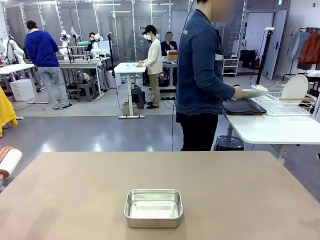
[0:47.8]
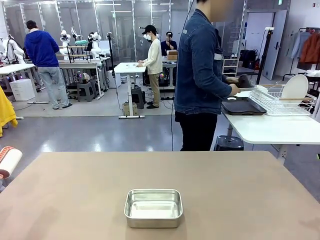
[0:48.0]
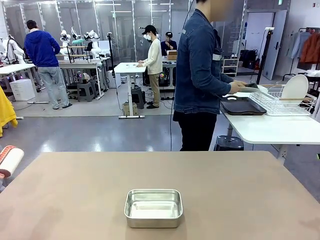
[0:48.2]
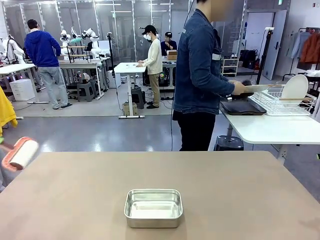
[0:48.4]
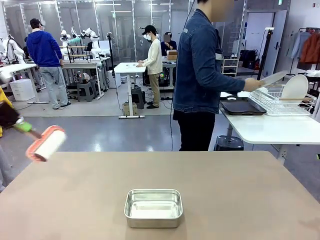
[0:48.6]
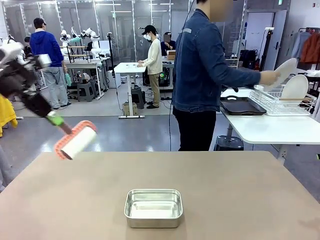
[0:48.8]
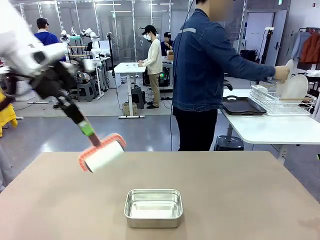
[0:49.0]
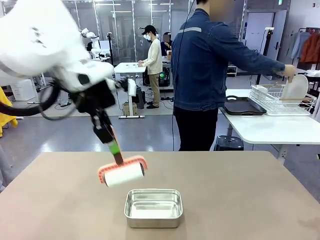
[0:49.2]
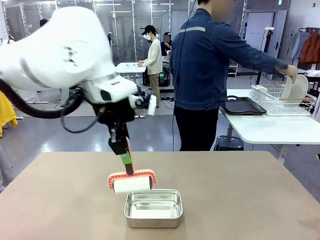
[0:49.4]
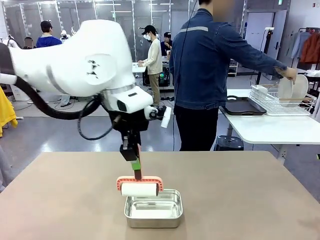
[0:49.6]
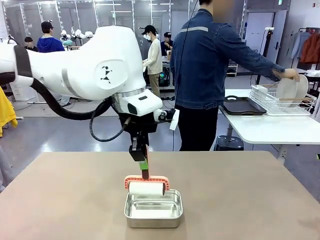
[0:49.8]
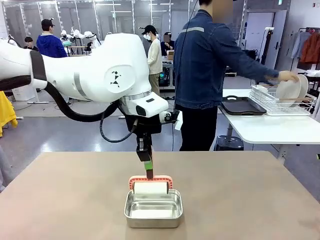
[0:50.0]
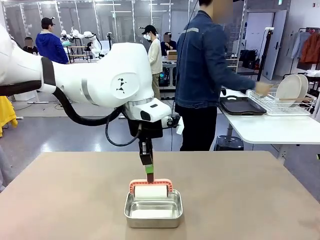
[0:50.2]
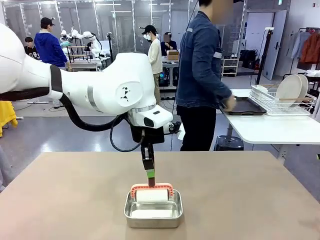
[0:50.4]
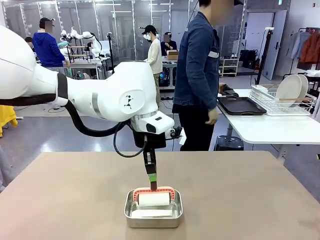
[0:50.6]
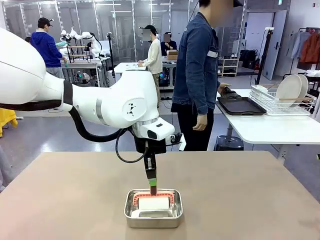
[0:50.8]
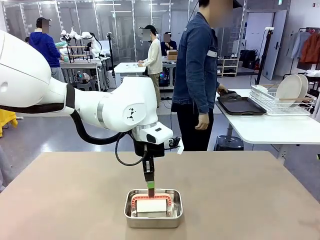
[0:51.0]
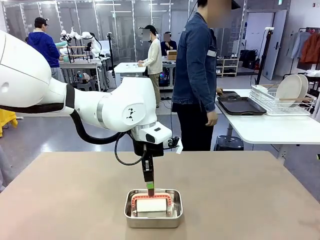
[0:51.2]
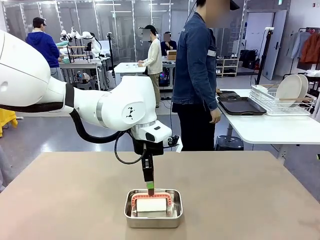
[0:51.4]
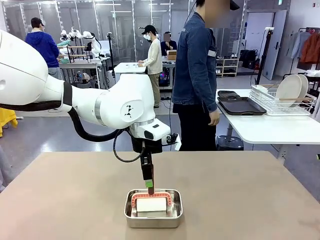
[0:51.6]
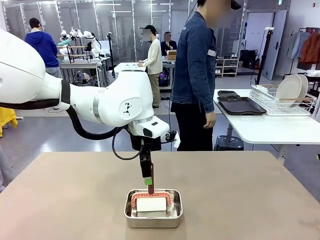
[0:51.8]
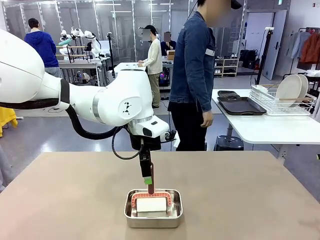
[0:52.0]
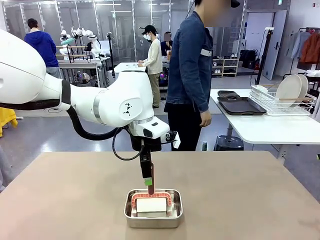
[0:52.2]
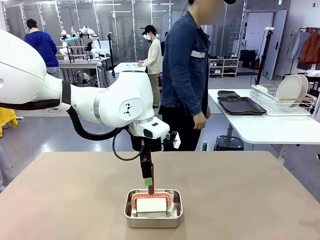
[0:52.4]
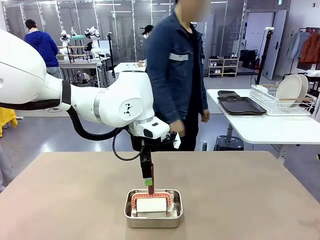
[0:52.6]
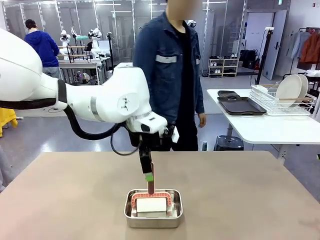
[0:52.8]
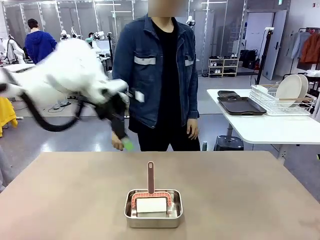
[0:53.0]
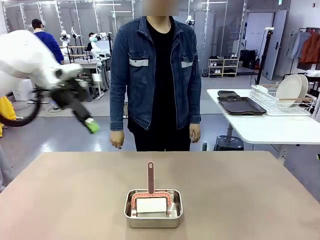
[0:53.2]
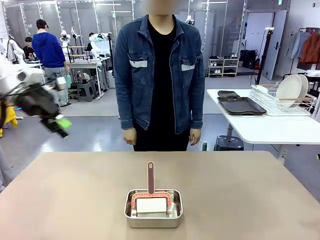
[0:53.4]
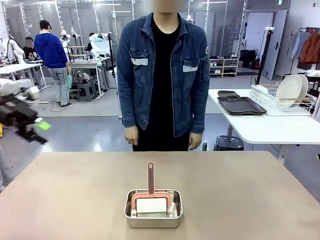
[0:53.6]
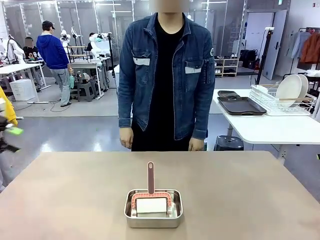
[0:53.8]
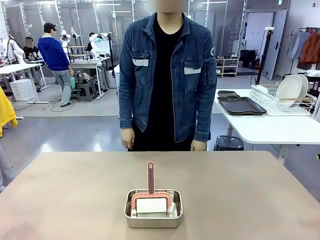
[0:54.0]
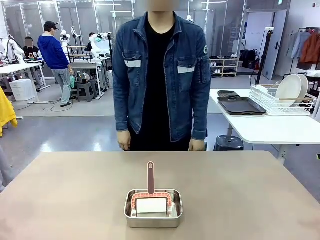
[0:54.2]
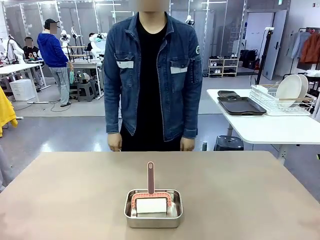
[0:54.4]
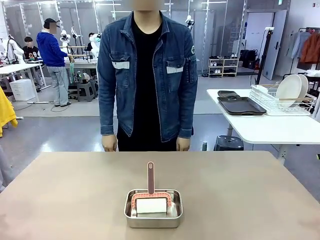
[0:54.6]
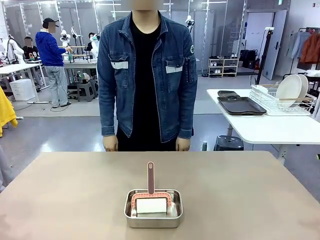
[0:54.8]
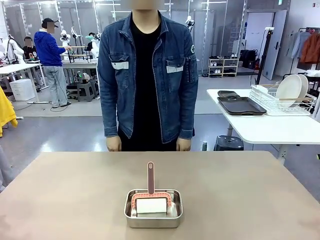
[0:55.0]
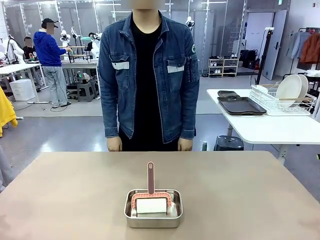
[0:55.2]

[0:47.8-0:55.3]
Robot: Place the Lint Roller back on top of the Airtight Container.

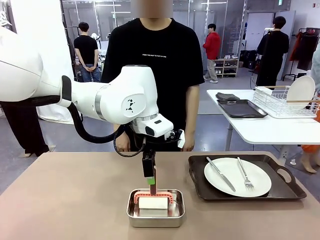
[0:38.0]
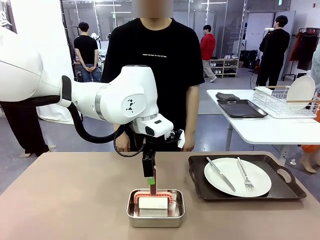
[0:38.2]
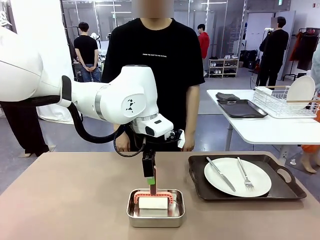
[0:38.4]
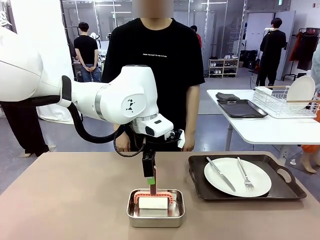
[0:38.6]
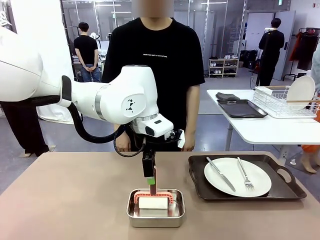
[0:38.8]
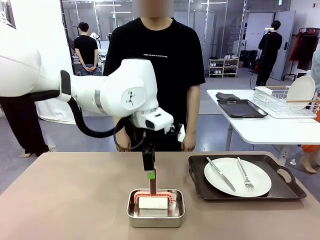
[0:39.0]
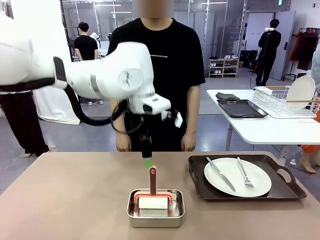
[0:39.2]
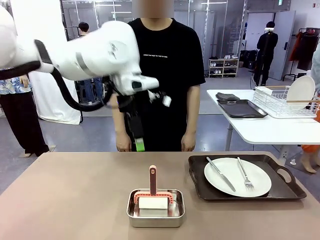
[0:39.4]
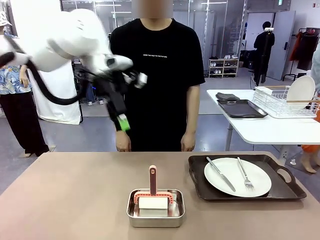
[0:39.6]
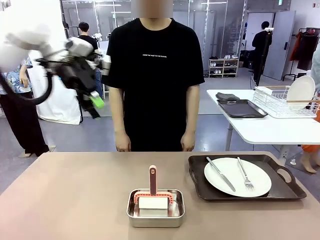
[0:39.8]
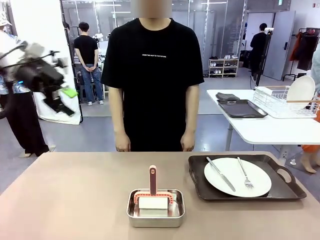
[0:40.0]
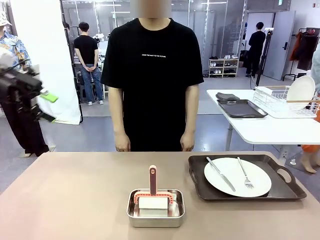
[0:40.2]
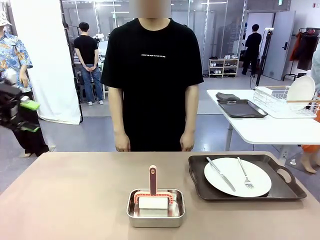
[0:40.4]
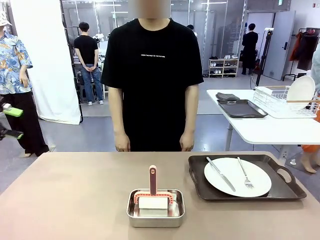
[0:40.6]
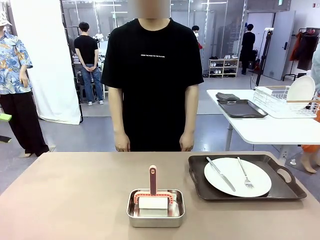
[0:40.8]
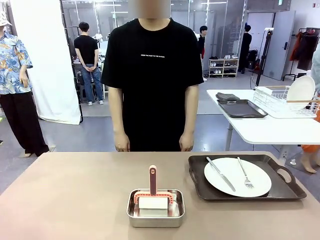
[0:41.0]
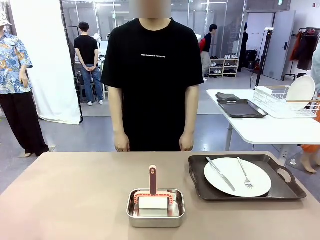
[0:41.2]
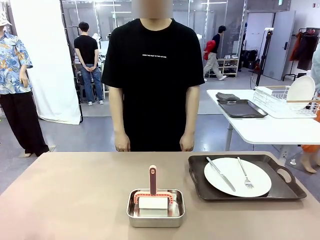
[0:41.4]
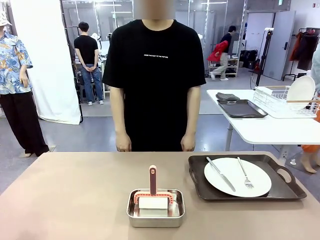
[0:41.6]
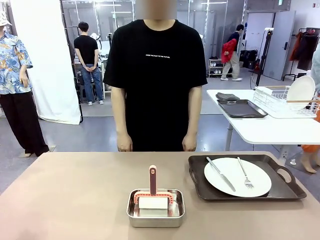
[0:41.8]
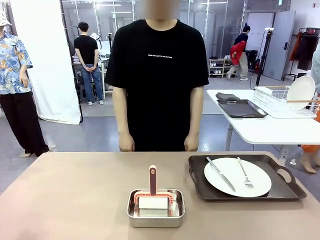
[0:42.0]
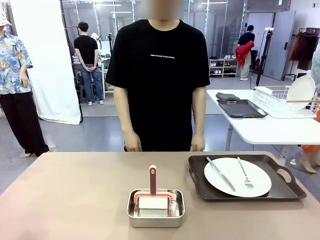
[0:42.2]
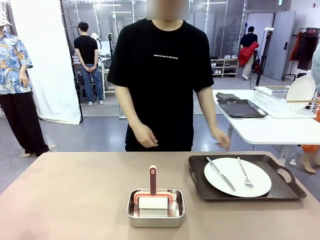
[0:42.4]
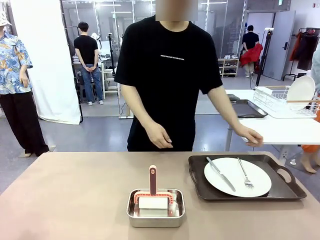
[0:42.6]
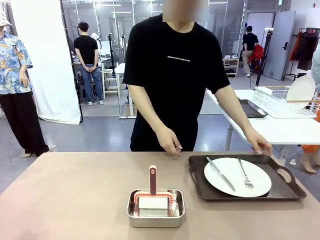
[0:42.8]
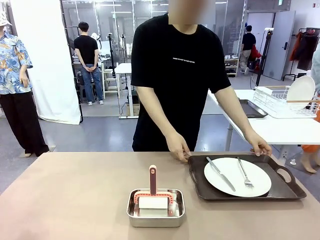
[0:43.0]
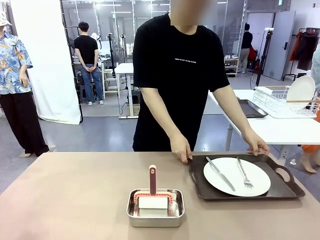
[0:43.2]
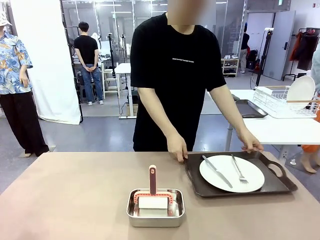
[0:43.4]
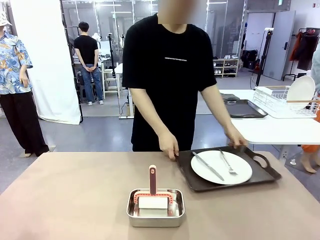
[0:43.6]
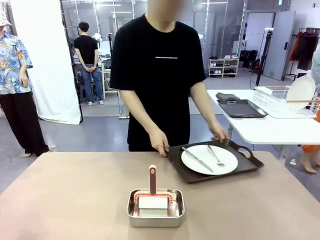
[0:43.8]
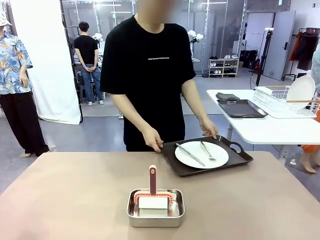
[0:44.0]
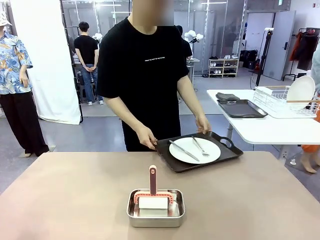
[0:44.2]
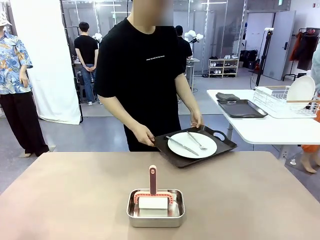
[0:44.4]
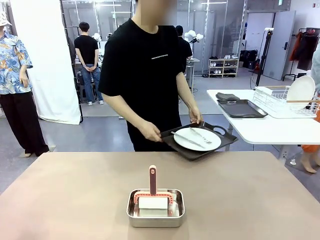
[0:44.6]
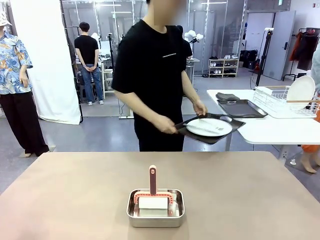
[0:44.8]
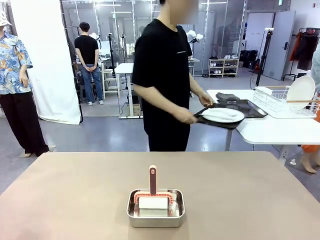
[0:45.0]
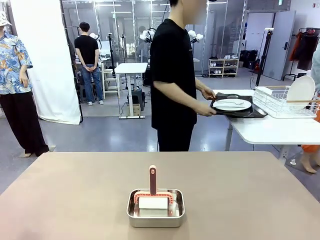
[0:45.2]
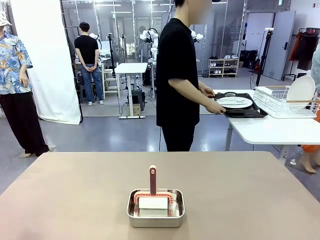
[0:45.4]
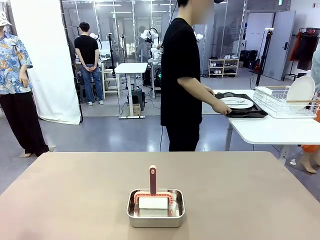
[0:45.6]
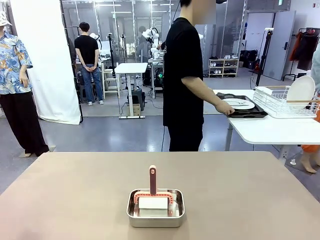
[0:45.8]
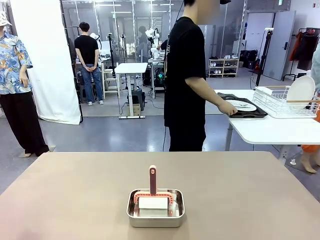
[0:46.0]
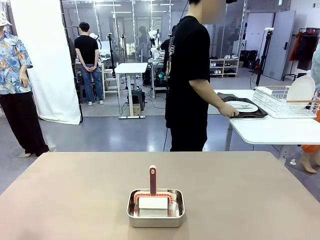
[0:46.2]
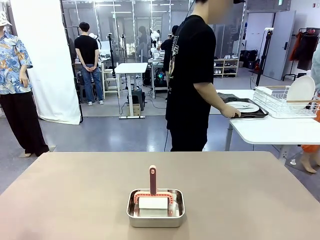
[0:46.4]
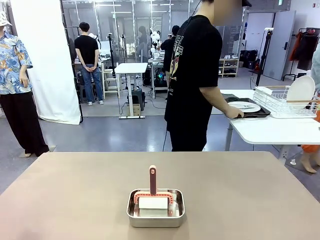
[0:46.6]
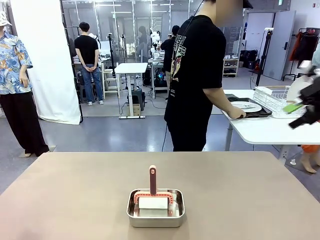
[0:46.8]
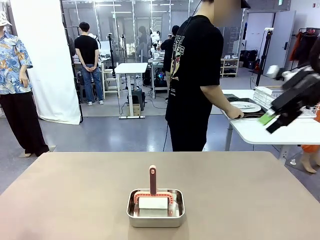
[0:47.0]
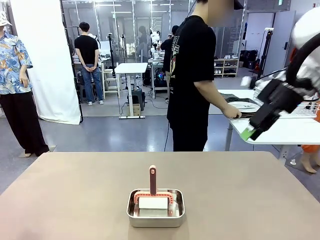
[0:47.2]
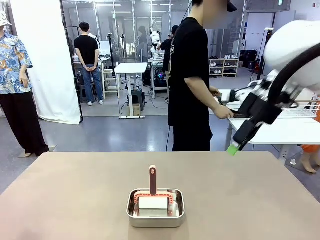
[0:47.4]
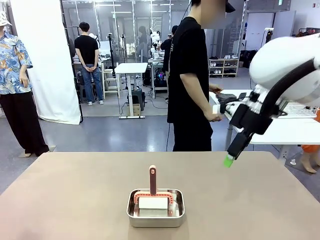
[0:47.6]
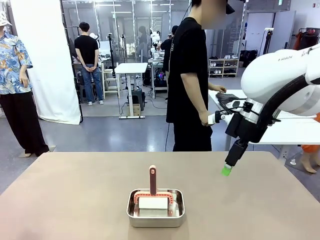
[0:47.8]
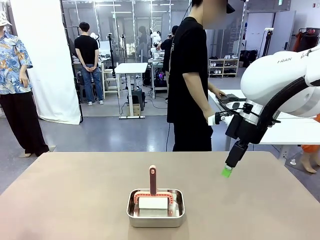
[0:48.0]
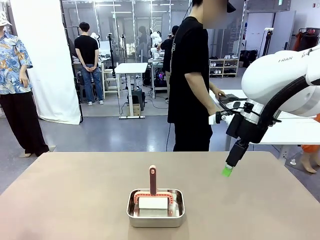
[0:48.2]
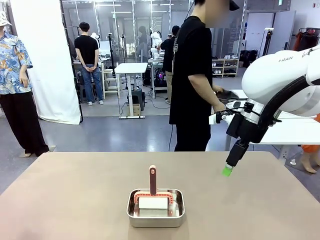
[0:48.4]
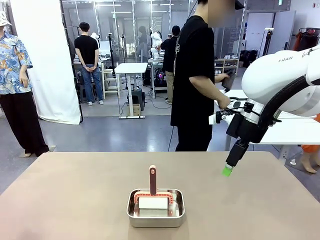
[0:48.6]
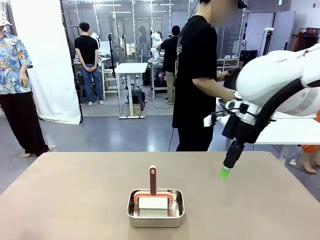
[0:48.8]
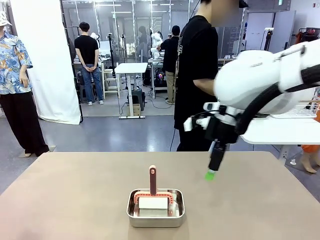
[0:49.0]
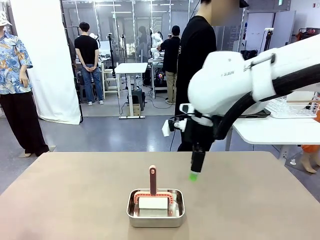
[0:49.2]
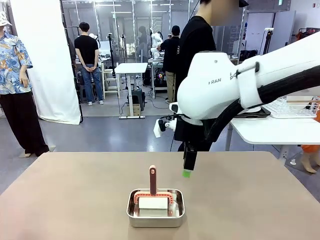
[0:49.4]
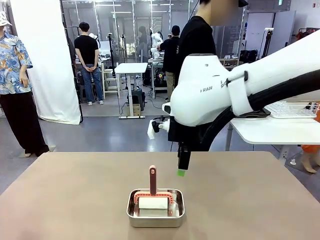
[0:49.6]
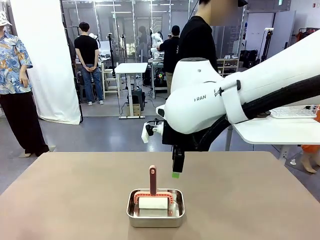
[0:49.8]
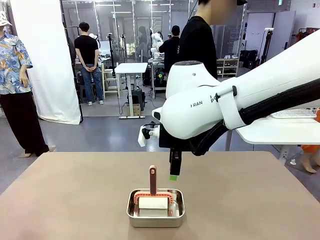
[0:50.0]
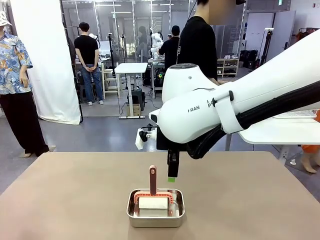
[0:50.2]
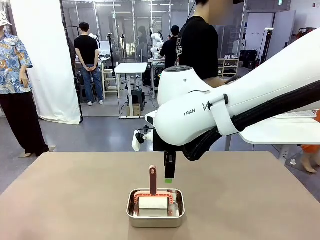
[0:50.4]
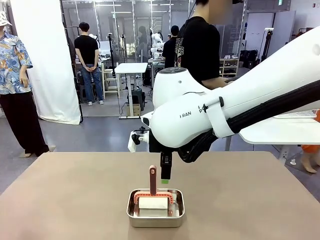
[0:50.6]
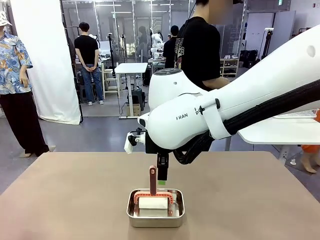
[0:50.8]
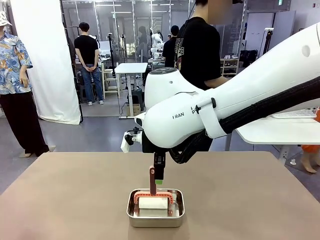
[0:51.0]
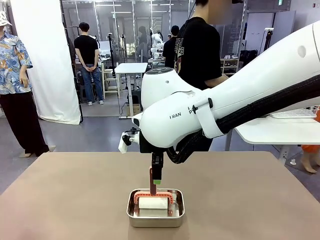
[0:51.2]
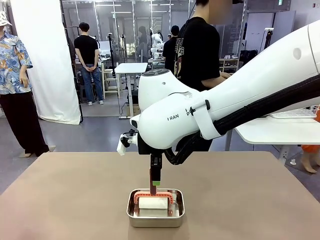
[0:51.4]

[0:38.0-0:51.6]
Robot: When the right (or left) Handle tray is removed, use the right hand (or left hand) to clean the right (or left) side of the table with the Lint Roller.
Person: Pick up the left (or right) Handle tray and place it on the Handle tray.
